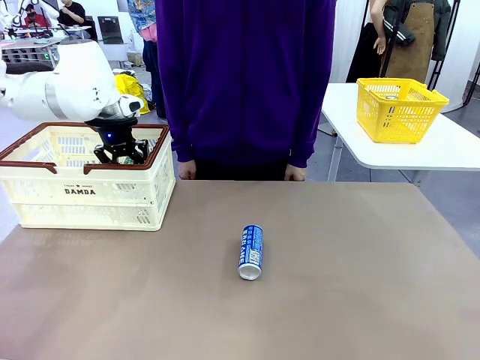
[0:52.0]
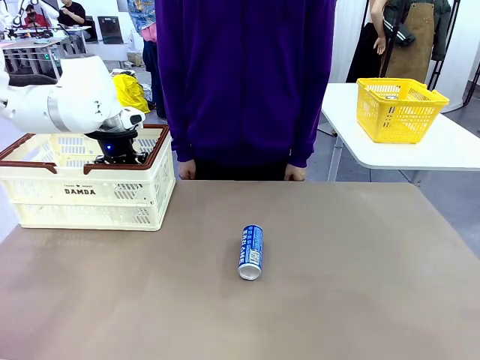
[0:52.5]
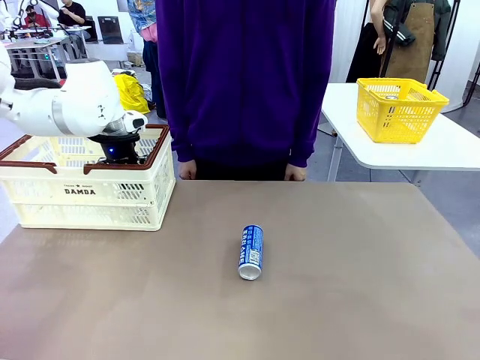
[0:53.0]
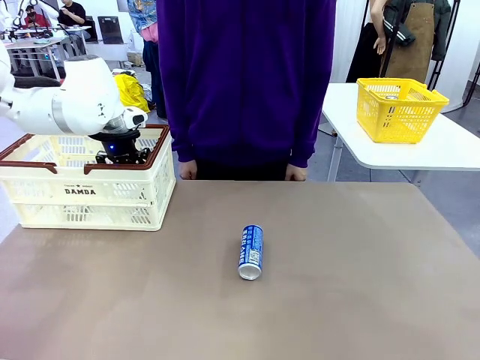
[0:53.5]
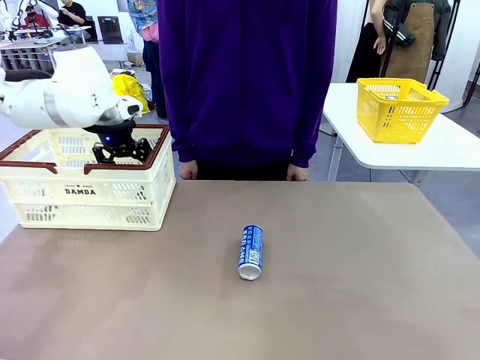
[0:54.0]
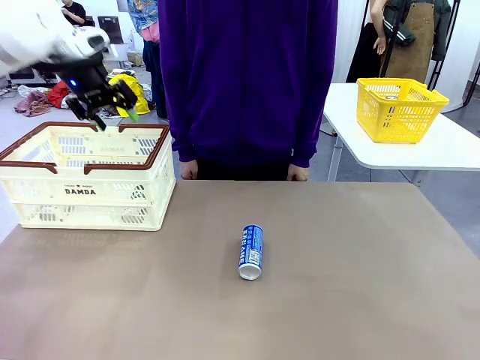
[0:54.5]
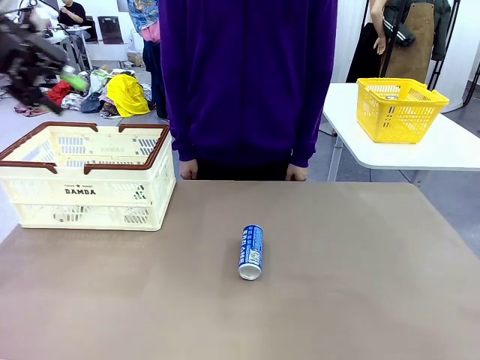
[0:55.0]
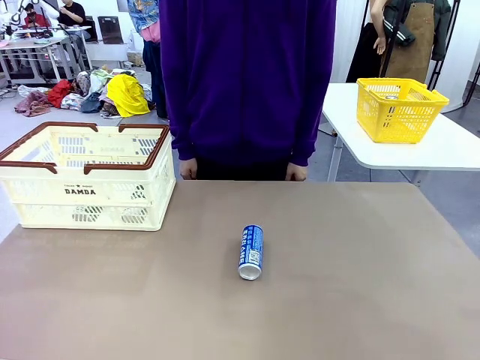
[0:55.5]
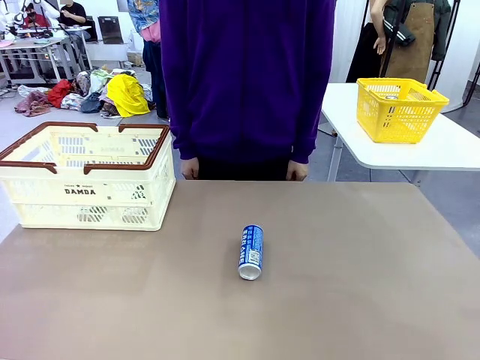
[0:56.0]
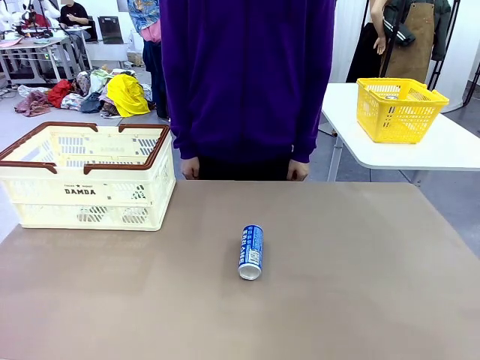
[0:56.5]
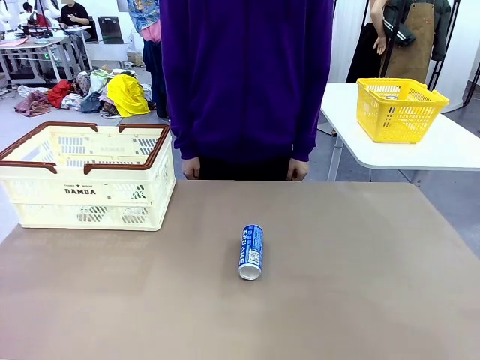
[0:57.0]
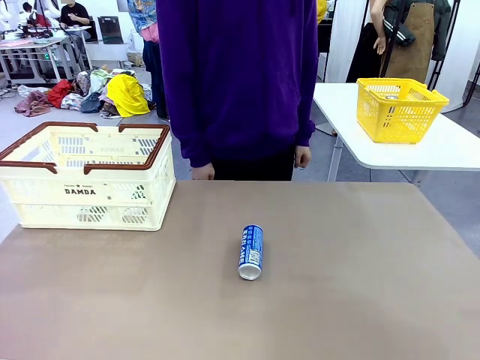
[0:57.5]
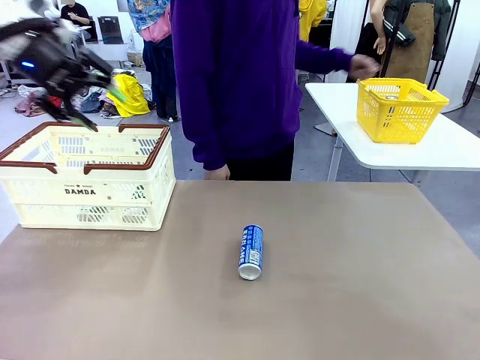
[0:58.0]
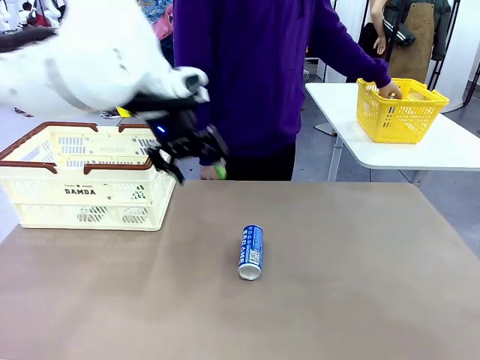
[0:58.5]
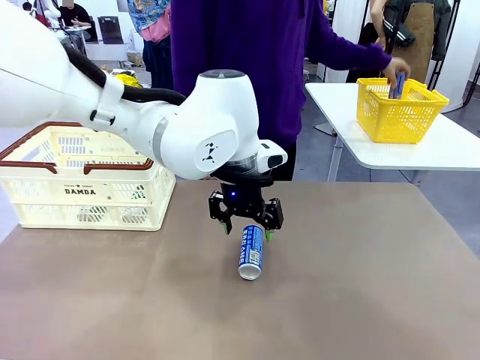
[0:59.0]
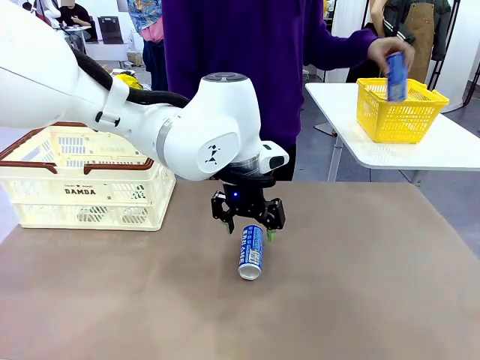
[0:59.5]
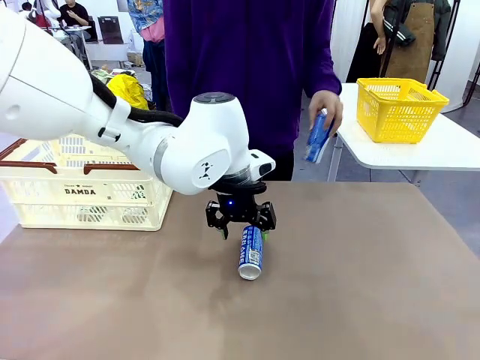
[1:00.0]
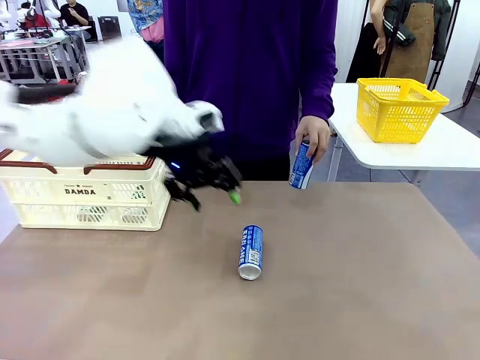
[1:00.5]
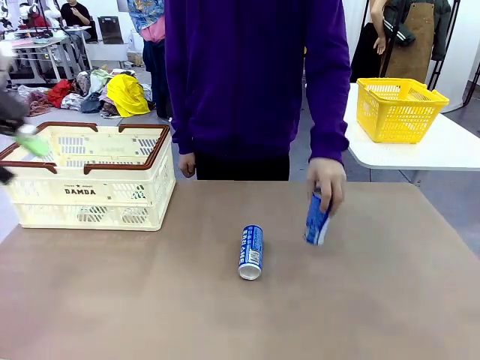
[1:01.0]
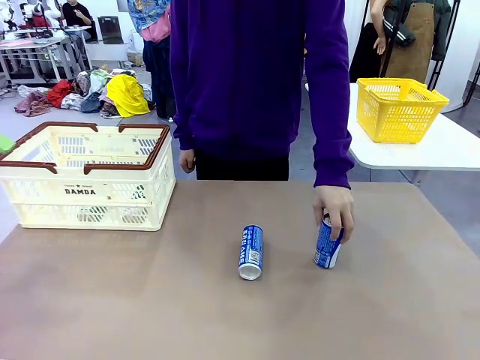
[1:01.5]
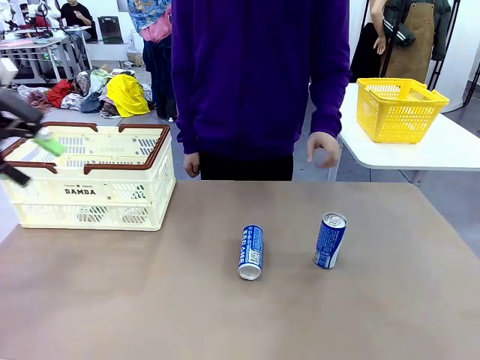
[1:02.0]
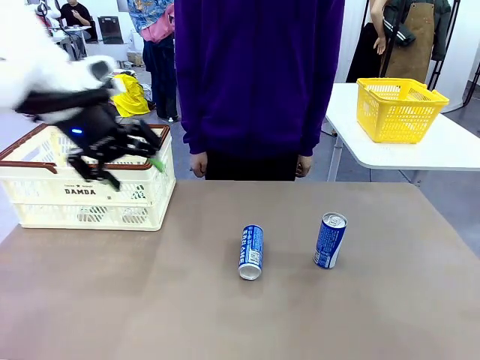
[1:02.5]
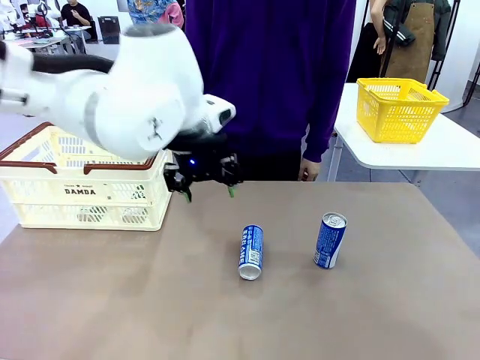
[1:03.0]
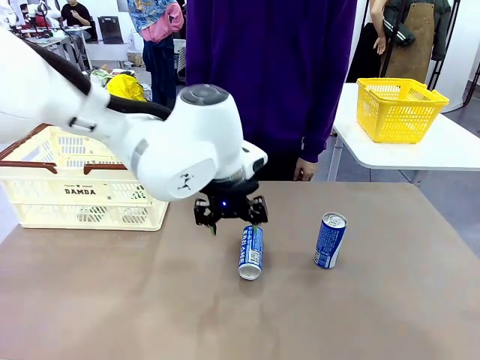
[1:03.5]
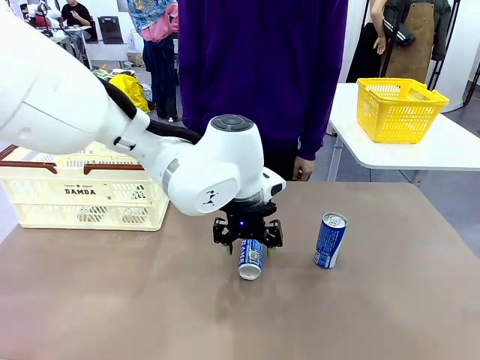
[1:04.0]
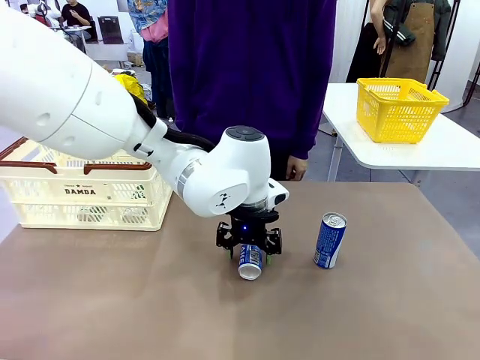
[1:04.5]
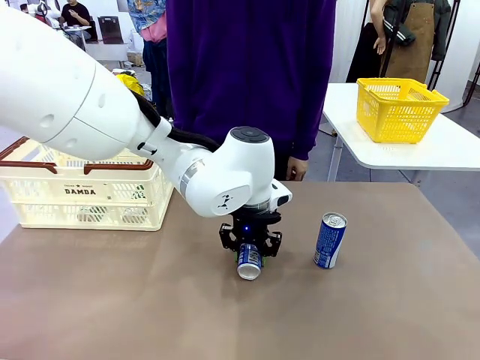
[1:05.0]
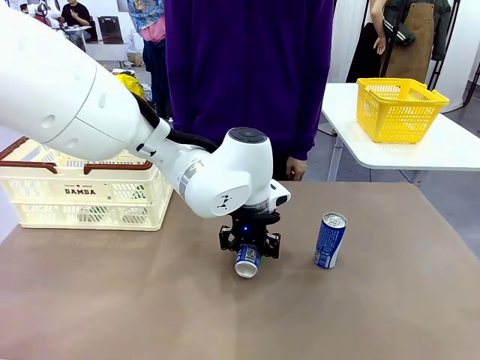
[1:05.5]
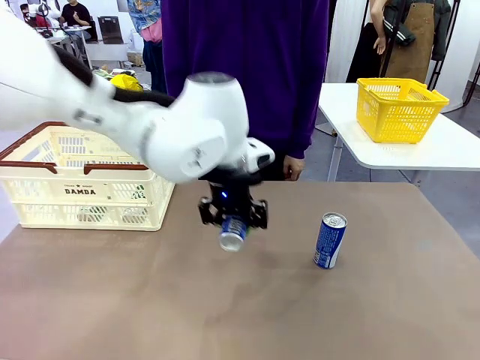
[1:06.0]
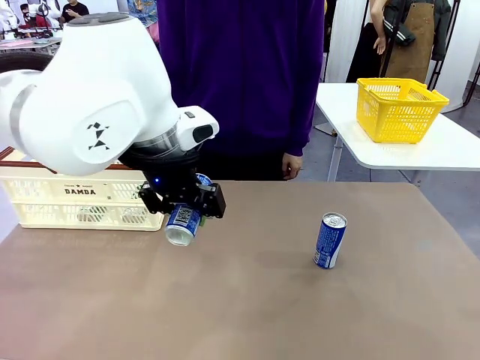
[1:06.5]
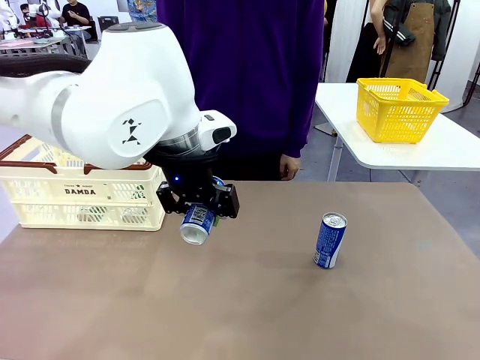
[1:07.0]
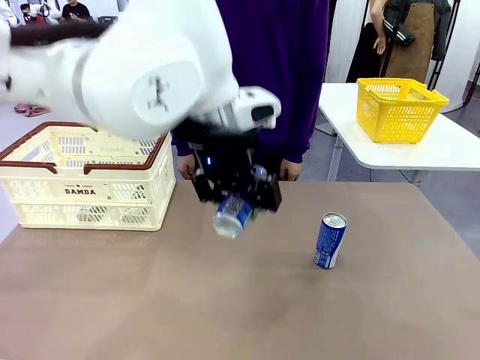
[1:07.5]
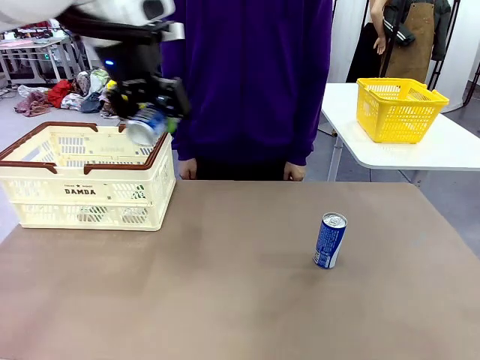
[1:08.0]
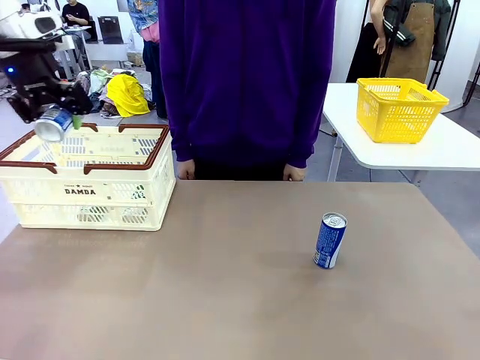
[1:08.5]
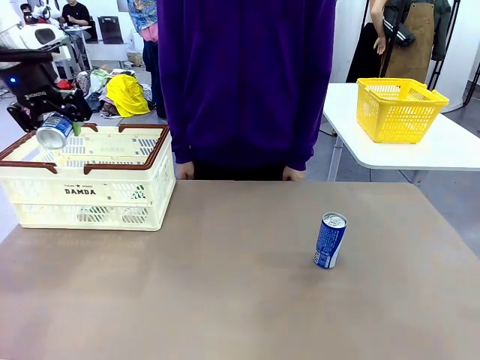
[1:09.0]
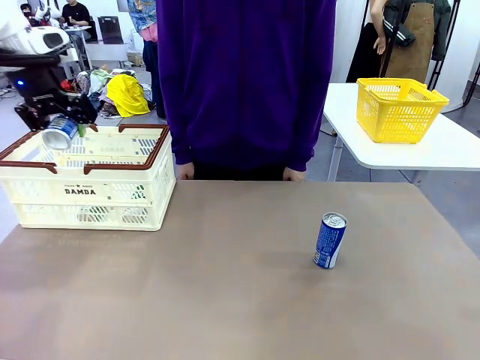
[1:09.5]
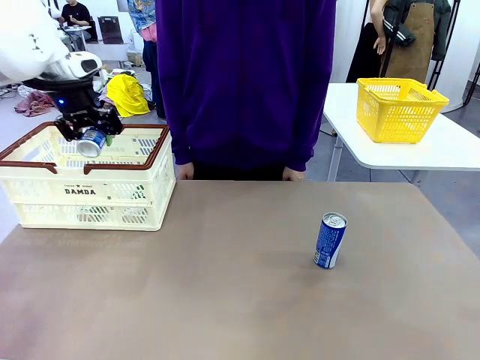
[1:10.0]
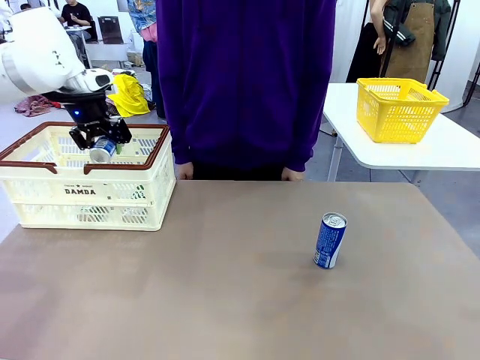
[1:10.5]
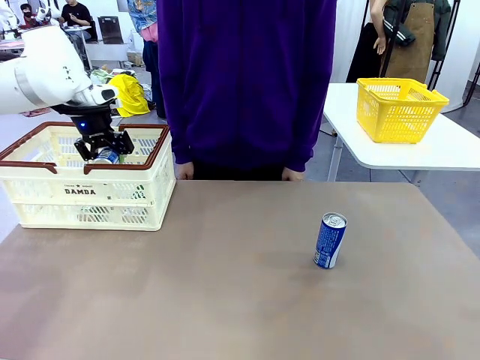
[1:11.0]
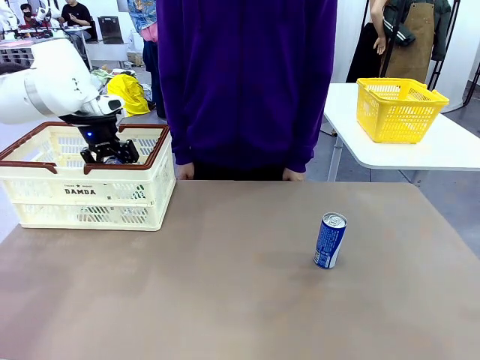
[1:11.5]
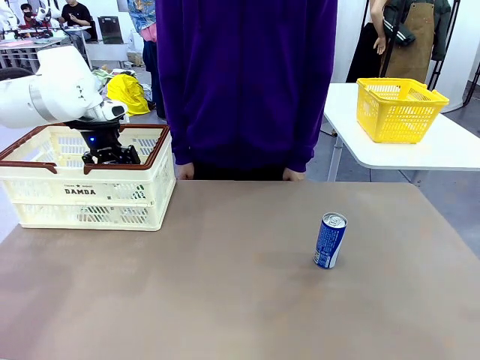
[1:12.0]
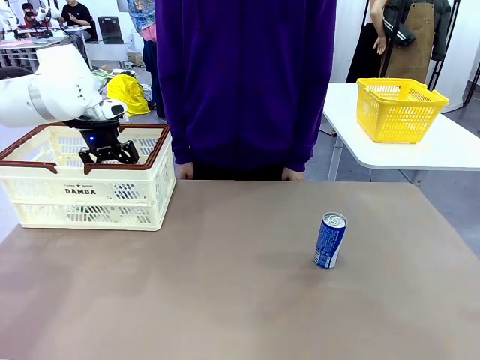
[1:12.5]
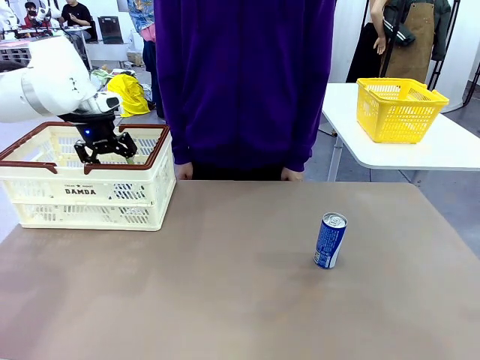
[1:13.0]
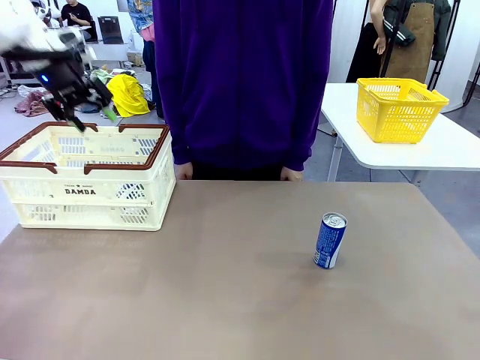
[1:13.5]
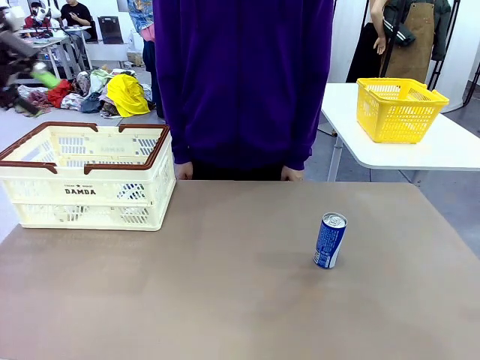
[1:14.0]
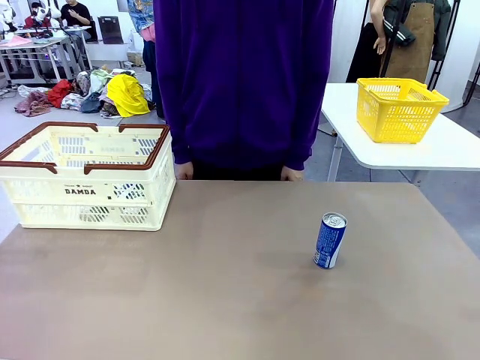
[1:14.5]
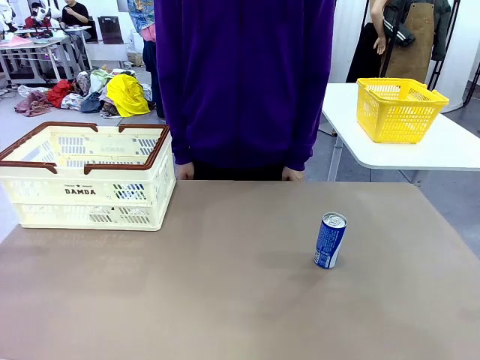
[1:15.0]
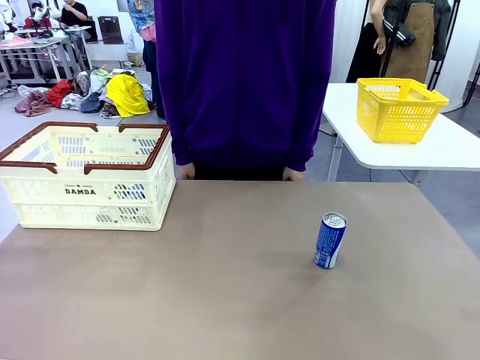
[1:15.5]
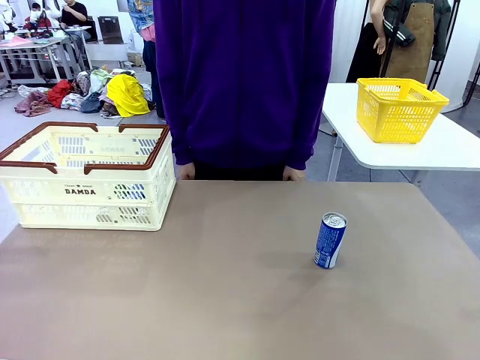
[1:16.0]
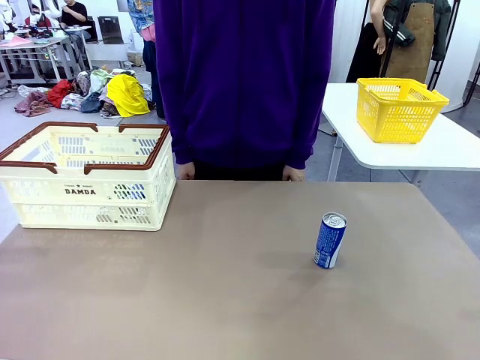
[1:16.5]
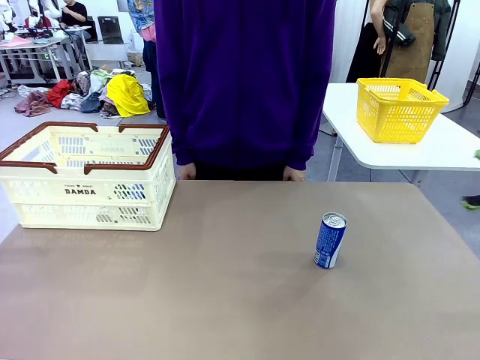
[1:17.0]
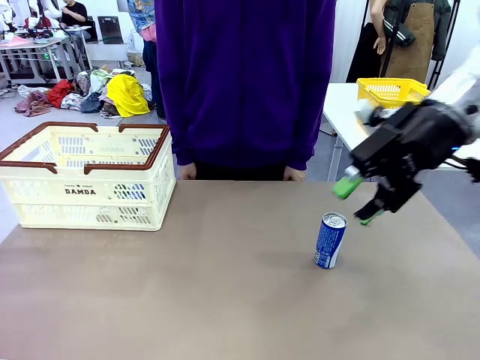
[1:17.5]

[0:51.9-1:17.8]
Task: Place the drinks into the Shopping basket.
Robot: Pick up one drink and place it into the Shopping basket.
